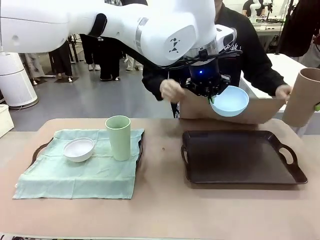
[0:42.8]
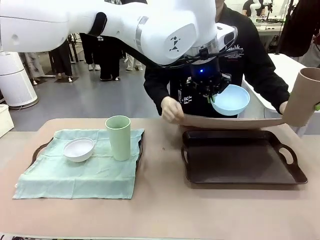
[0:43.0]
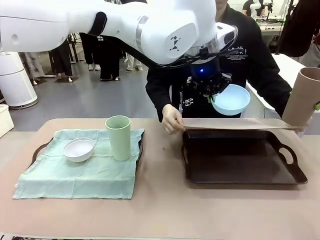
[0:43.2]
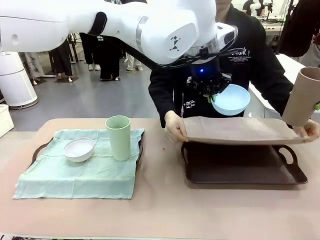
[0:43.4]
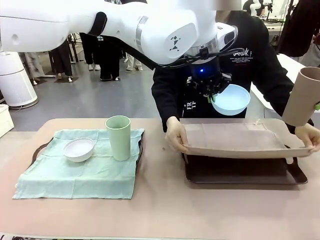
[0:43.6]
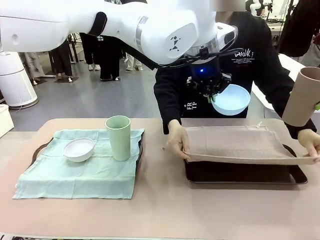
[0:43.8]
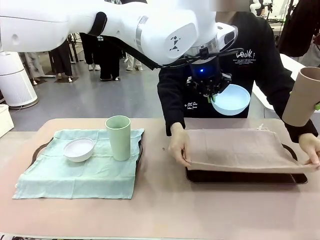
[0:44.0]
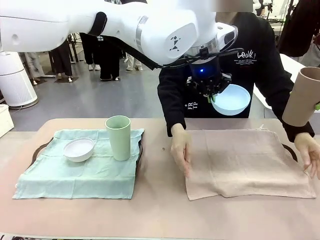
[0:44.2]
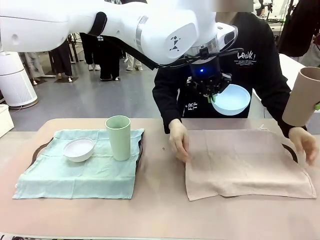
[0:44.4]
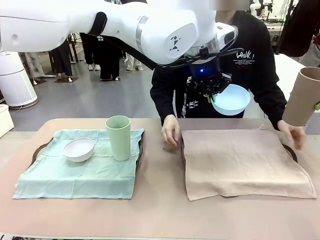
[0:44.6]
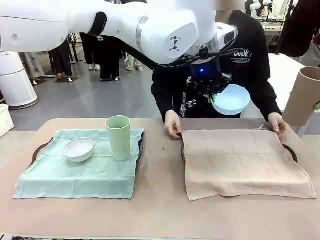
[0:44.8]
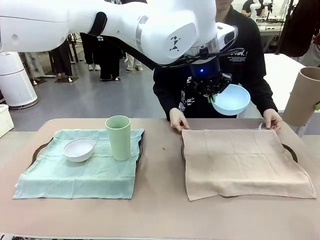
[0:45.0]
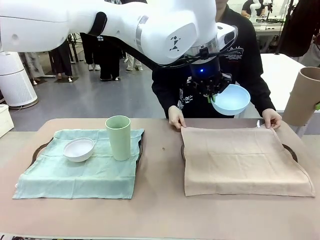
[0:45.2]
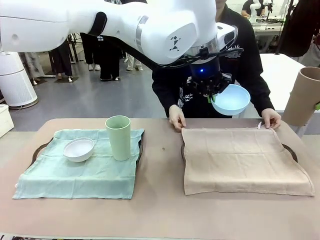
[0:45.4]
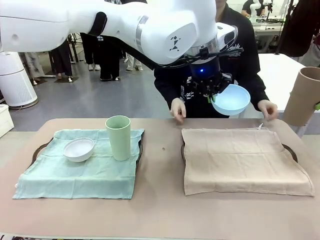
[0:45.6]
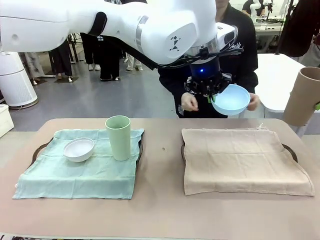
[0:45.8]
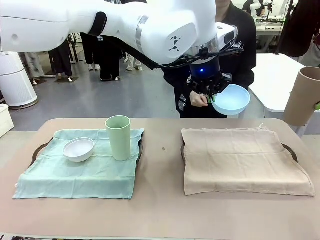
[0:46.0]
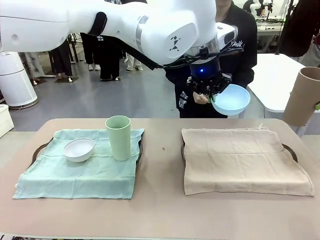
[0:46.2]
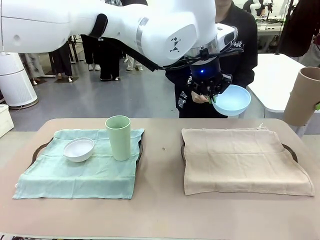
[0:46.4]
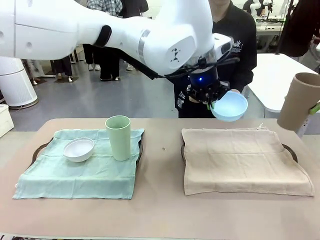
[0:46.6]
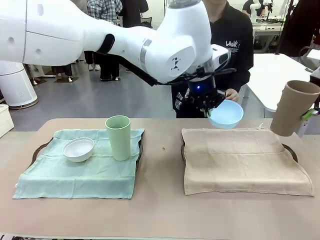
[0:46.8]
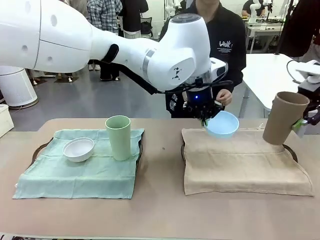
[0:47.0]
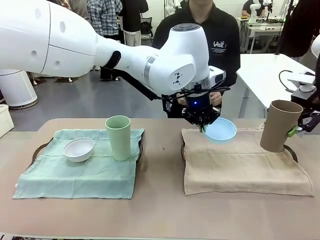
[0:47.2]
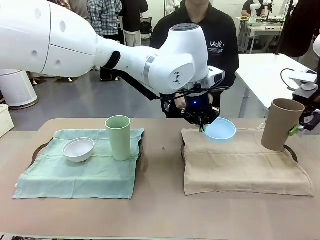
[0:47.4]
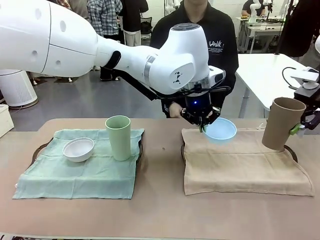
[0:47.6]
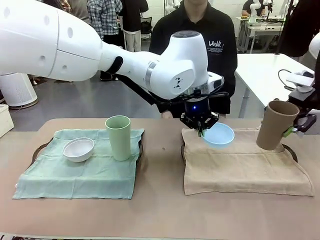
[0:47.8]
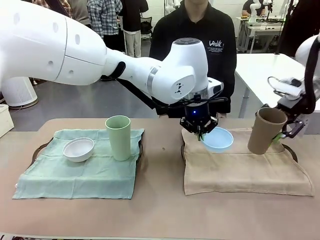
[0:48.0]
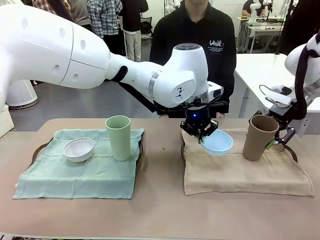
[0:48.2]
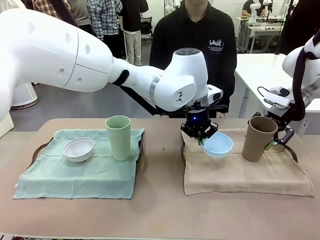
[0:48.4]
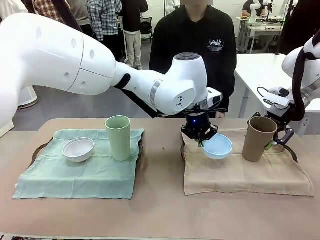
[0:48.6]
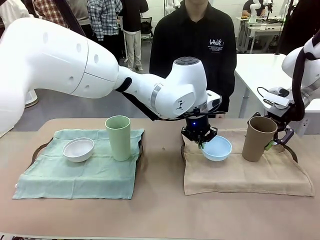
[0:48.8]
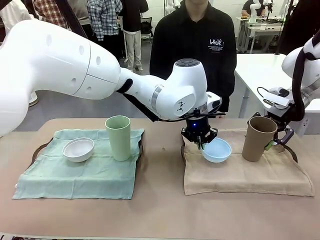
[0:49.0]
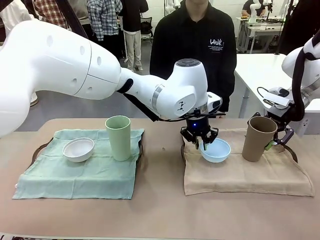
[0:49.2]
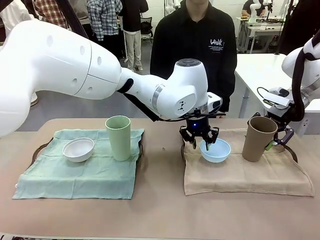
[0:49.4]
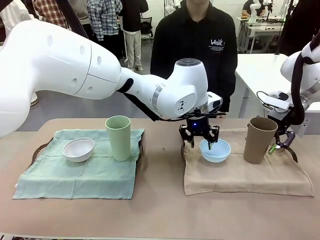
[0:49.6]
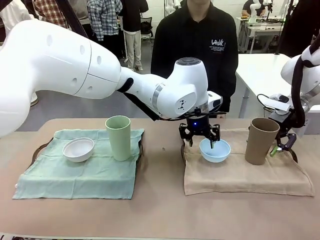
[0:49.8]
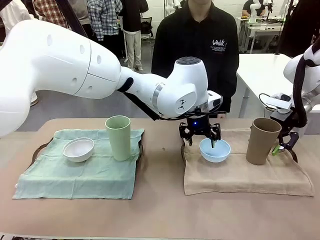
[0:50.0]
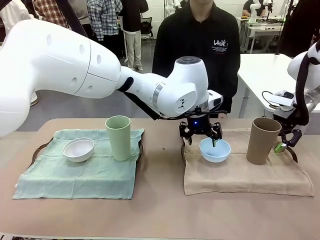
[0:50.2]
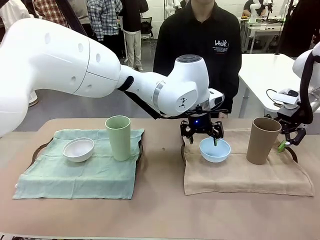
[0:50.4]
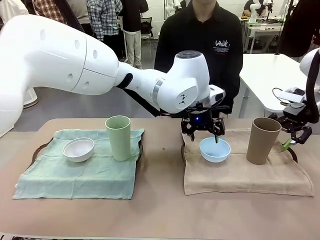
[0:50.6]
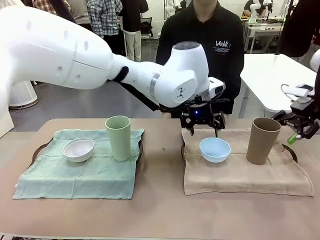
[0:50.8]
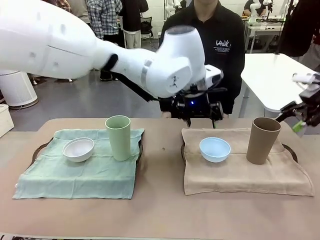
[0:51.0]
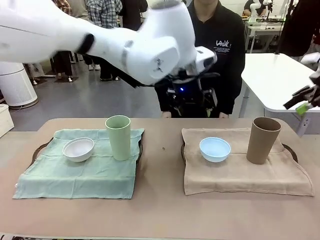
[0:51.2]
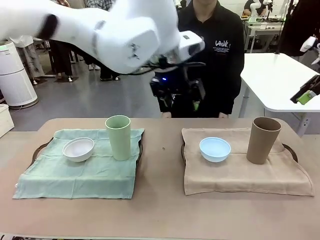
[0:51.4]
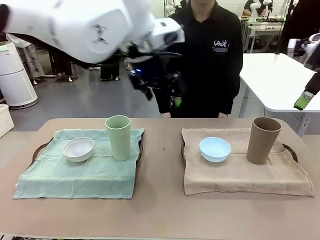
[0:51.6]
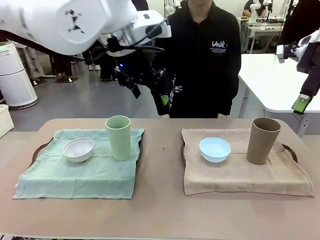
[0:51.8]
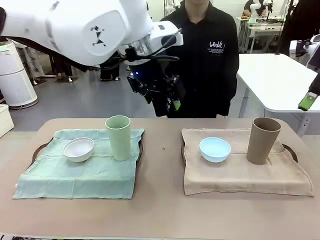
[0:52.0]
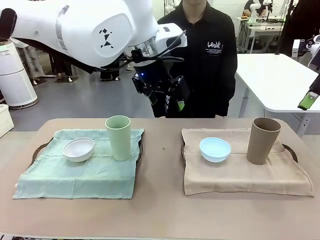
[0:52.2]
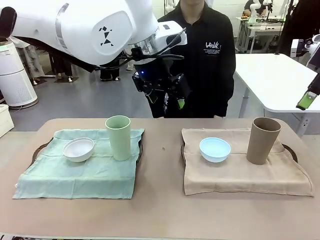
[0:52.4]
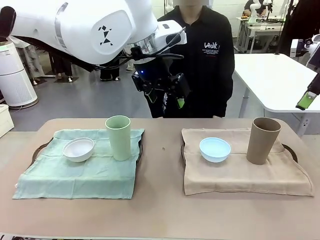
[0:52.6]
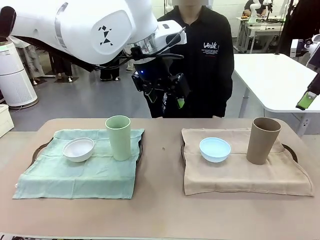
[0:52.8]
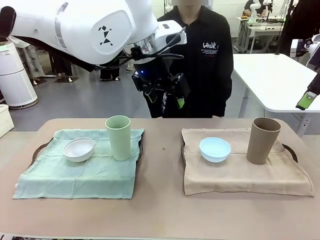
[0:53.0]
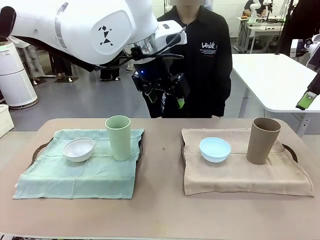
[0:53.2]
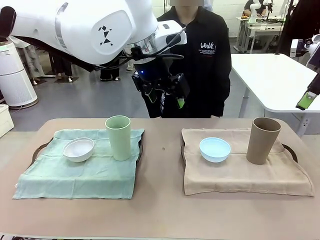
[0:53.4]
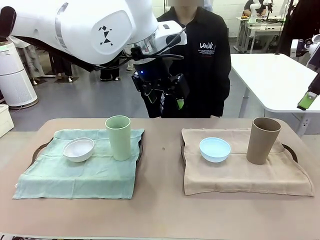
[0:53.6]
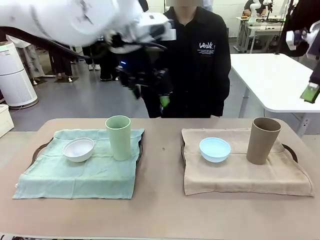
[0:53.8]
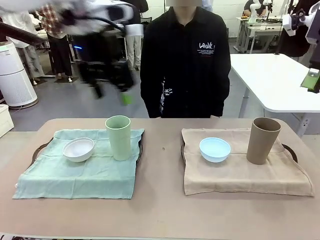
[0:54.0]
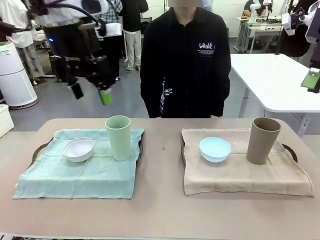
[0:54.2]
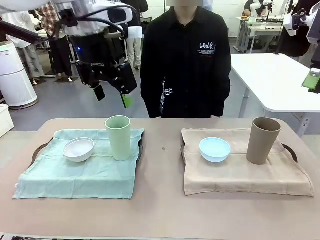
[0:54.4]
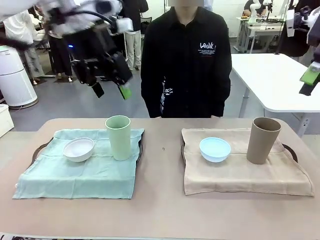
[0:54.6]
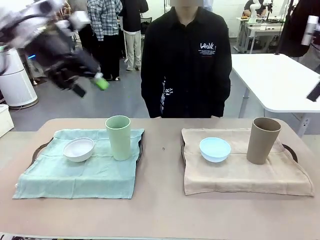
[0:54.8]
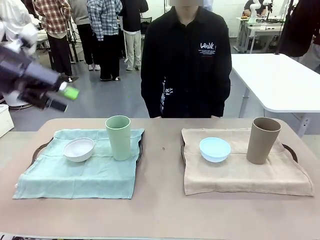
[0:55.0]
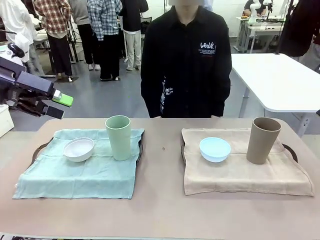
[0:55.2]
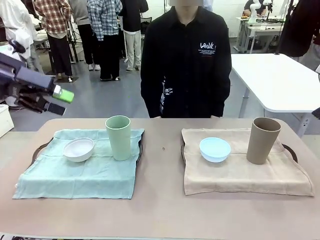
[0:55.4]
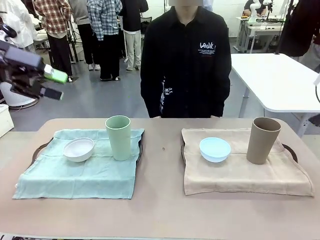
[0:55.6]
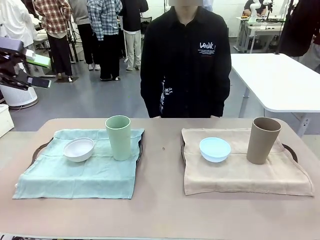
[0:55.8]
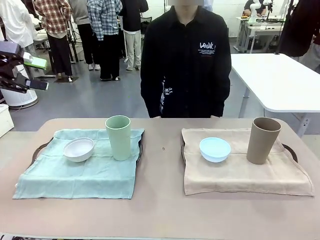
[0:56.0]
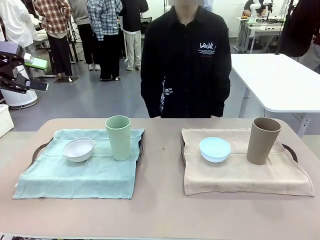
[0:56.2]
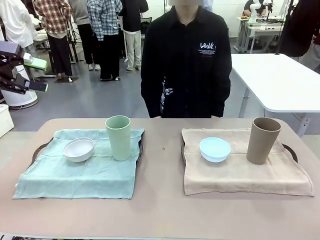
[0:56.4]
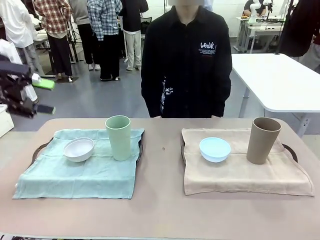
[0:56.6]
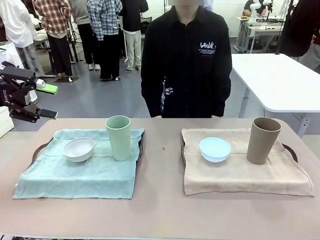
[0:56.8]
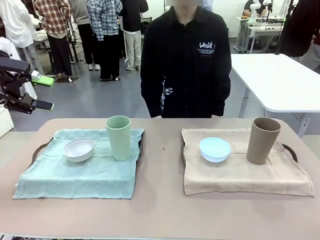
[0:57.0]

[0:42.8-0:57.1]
Robot: Place the Picnic Bowl and Reusable plastic cup back onto the Handle tray in front of the human's position.
Person: When the robot lifts the bowl and the cup, the human unfolds the napkin and lays the napkin flat on the tray.

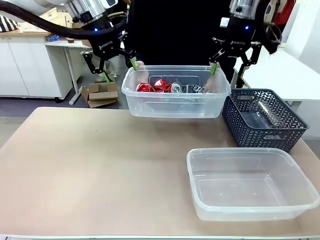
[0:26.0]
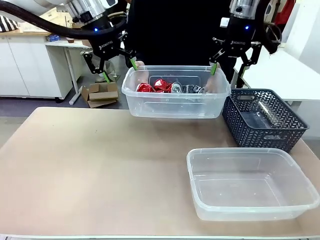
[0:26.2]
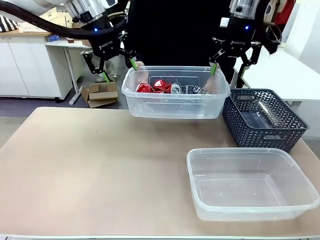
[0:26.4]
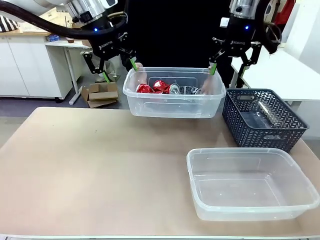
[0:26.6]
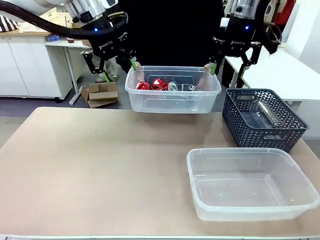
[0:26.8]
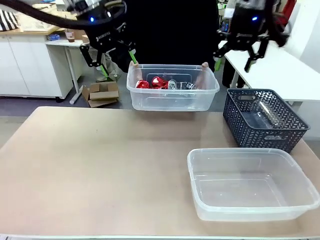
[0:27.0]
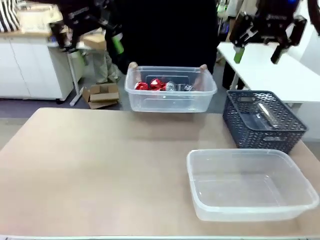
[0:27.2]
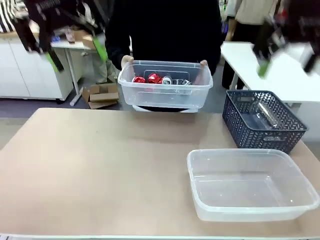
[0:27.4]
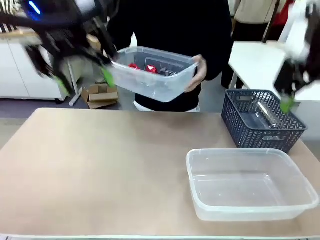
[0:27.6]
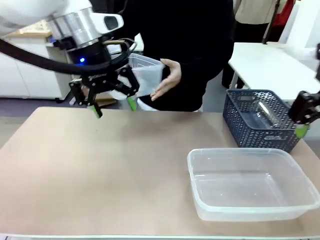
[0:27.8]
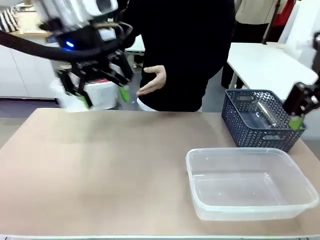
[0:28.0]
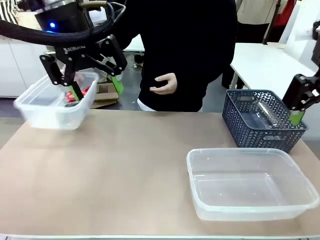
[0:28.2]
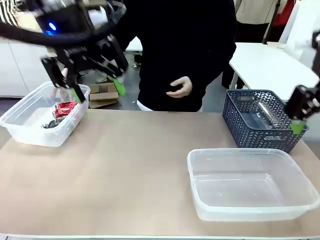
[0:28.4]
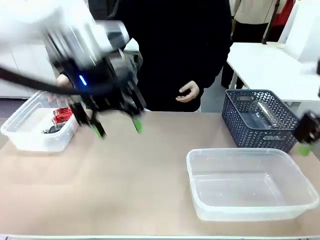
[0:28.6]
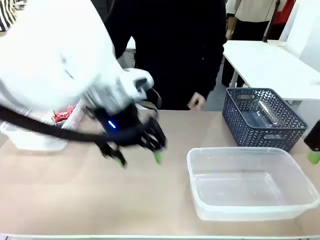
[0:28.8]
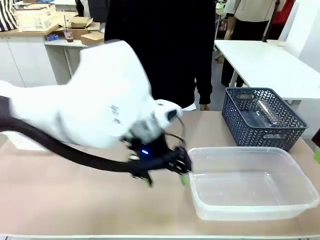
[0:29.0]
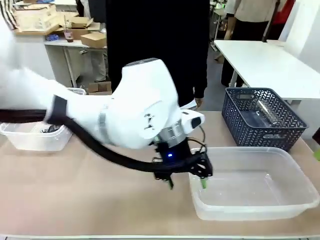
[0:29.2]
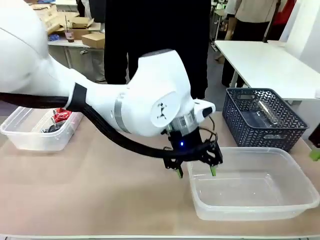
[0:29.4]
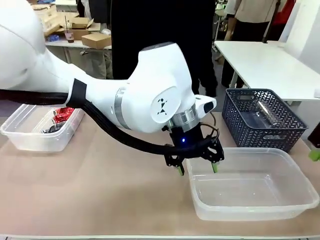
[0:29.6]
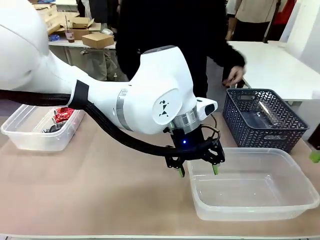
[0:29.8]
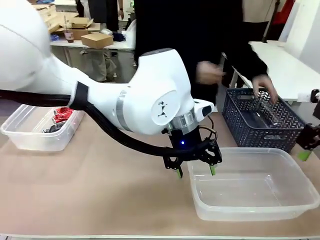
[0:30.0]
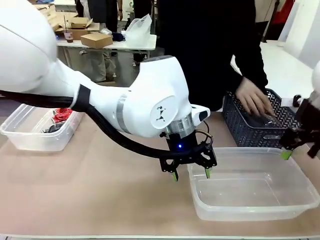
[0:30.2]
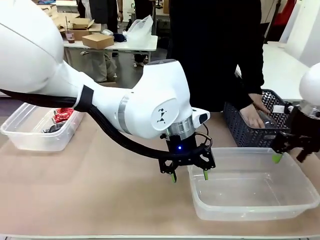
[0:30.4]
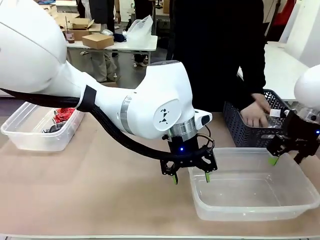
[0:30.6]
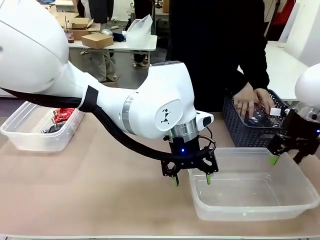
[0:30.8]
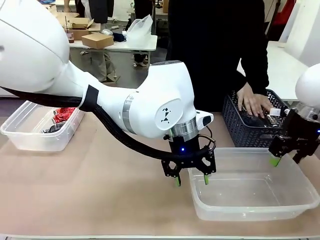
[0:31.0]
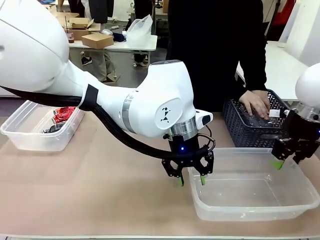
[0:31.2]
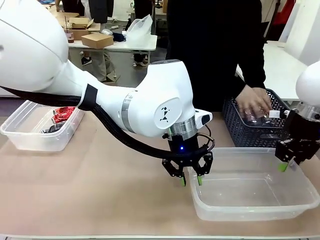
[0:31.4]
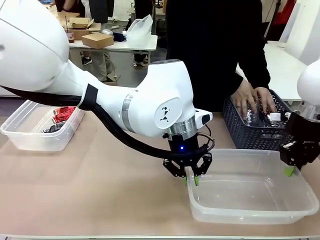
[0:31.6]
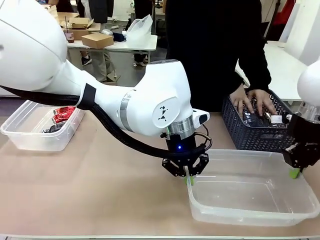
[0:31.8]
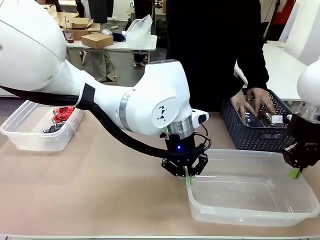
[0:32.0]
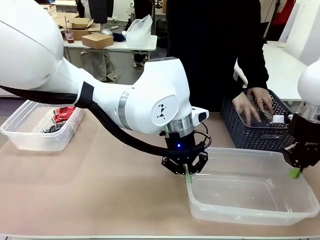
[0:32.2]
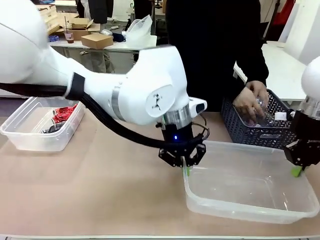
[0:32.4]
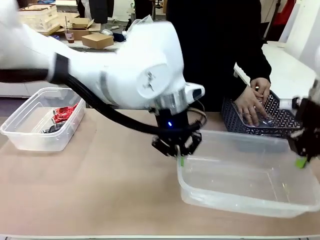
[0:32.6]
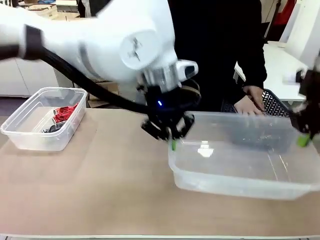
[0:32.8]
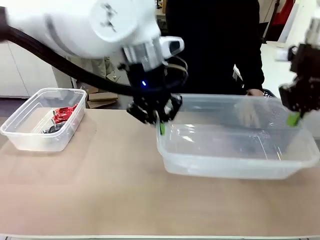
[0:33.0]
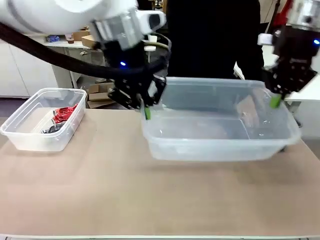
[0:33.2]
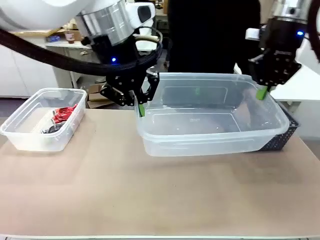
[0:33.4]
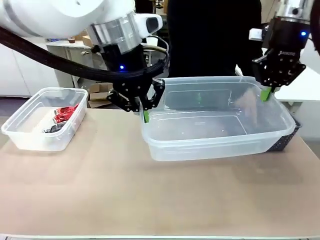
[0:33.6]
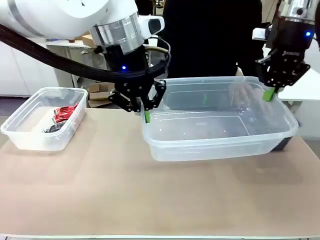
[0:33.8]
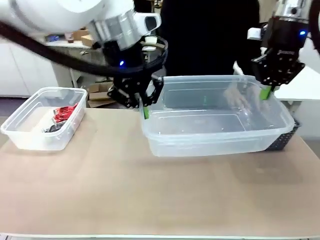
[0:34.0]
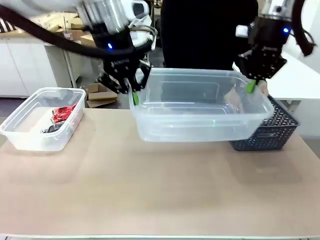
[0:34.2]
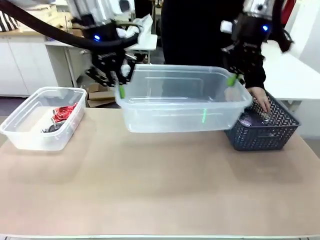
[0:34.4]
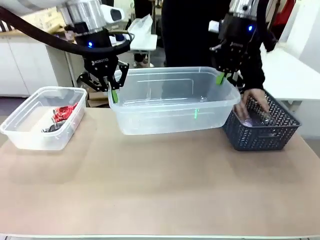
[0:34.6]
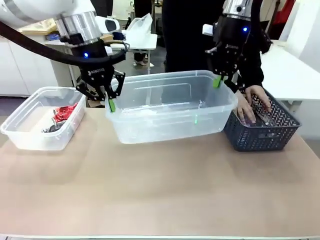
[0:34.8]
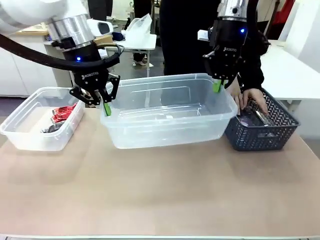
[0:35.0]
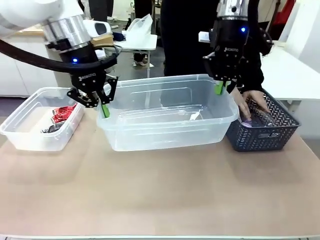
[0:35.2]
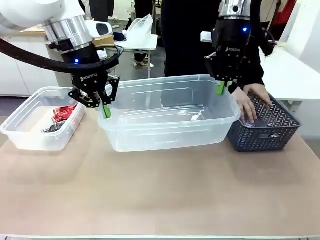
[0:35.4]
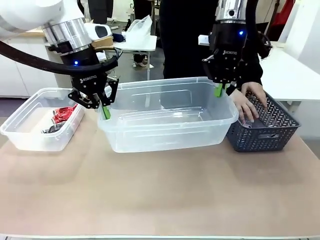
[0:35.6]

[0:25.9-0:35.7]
Robot: Pick up the Organizing box on the right side of the table and lift it.
Person: Place it at the edge of the bottom right area of the robot table. Pick up plastic waste one by one and place it into the organizing box lifted by the robot.
